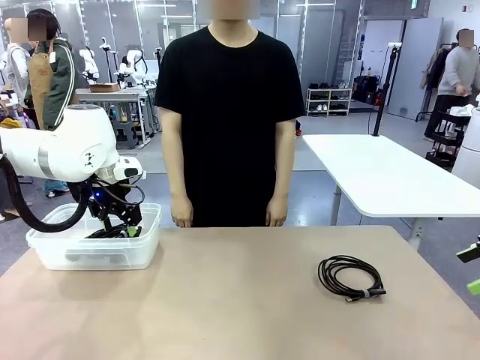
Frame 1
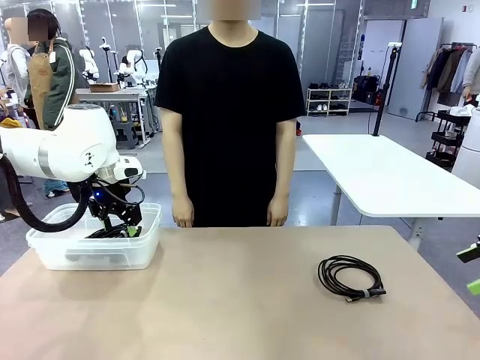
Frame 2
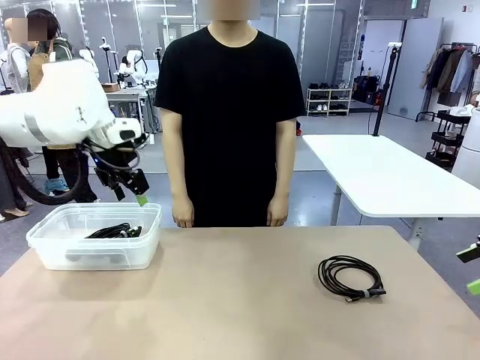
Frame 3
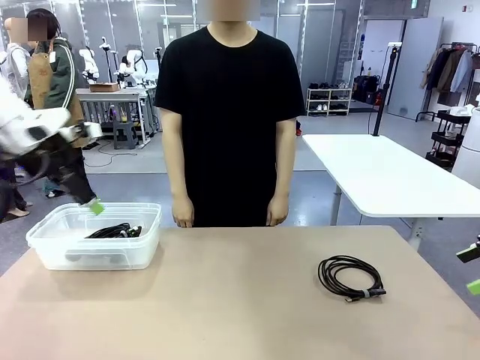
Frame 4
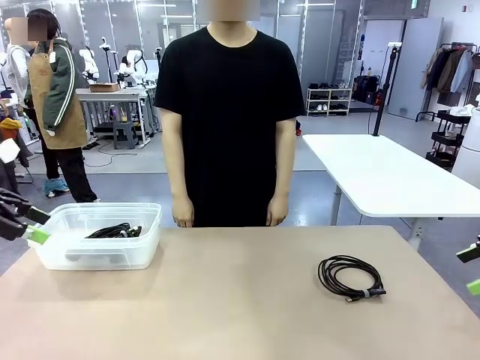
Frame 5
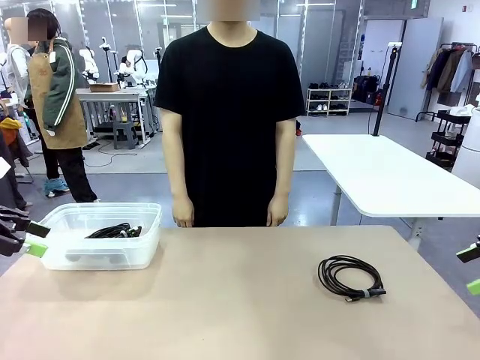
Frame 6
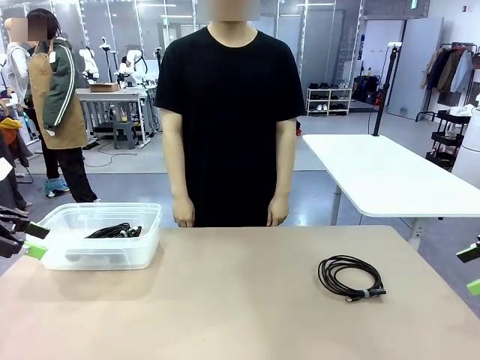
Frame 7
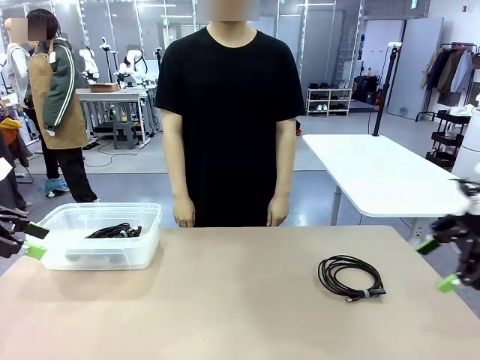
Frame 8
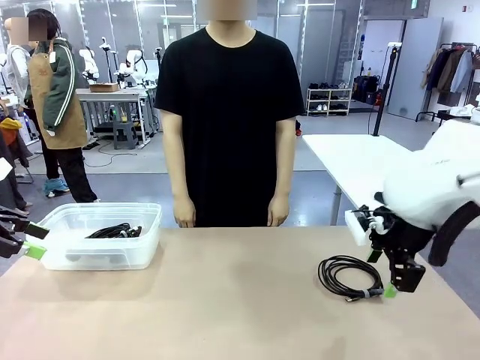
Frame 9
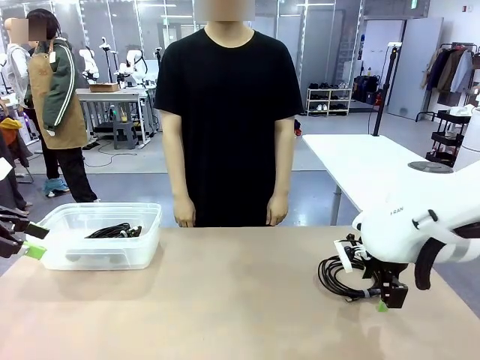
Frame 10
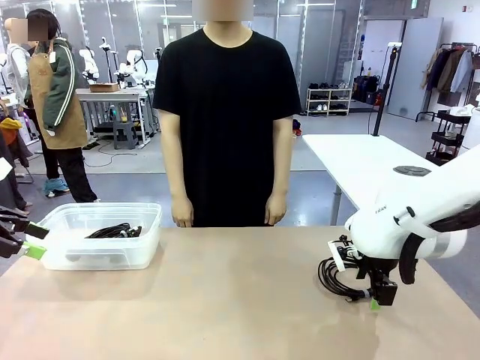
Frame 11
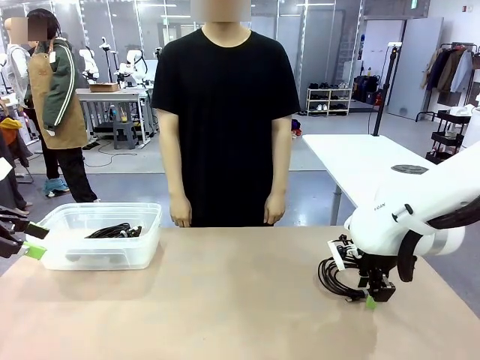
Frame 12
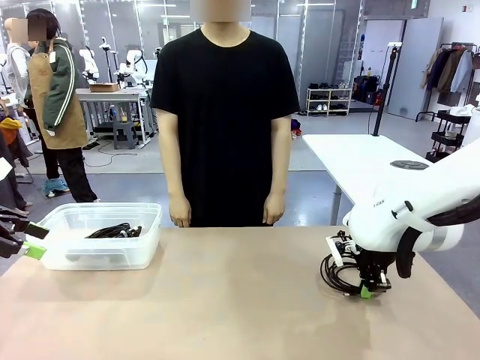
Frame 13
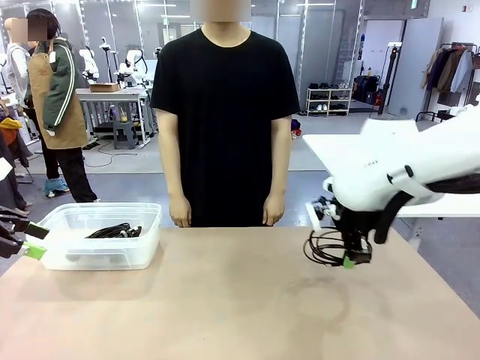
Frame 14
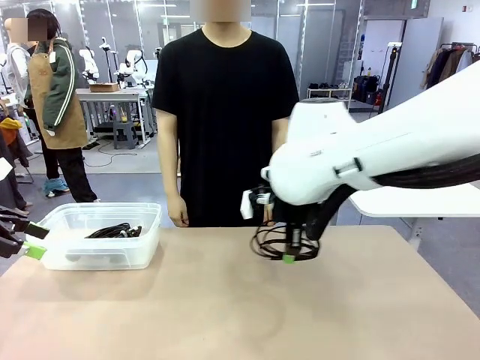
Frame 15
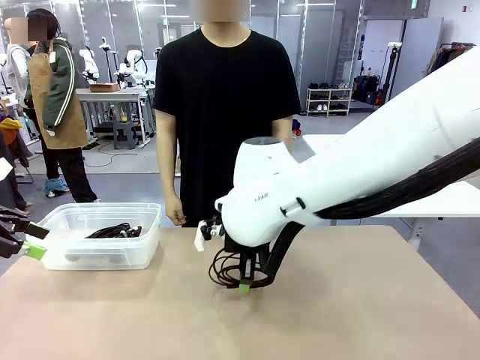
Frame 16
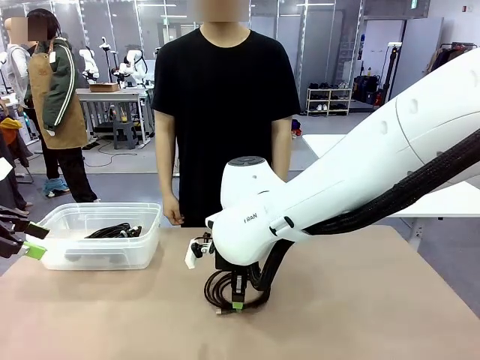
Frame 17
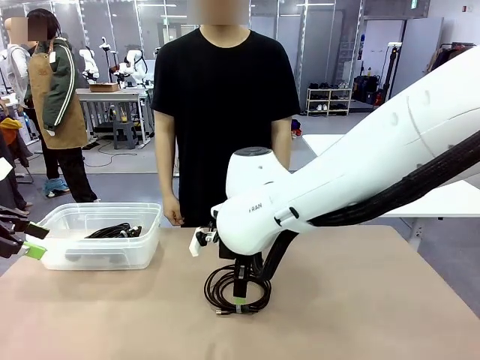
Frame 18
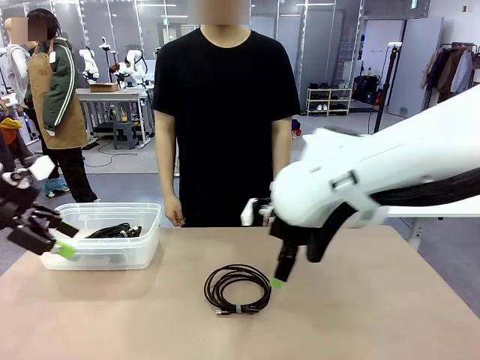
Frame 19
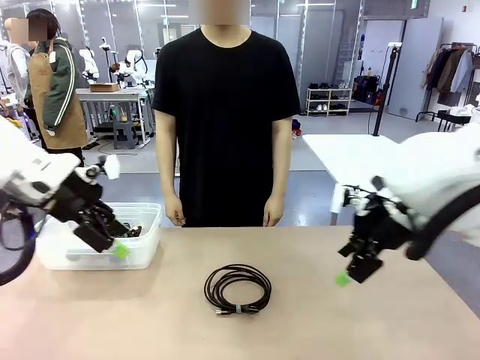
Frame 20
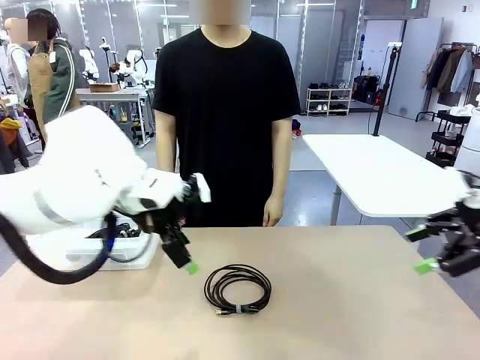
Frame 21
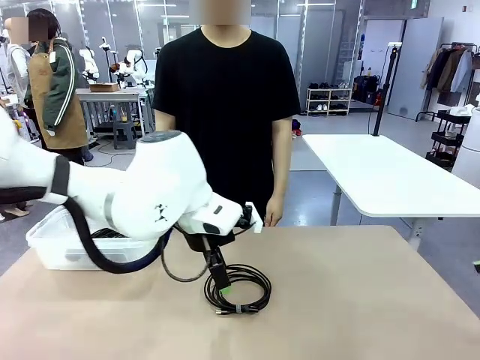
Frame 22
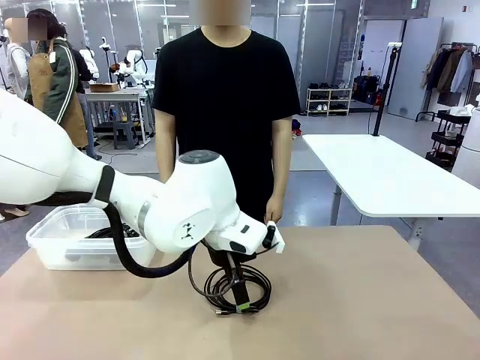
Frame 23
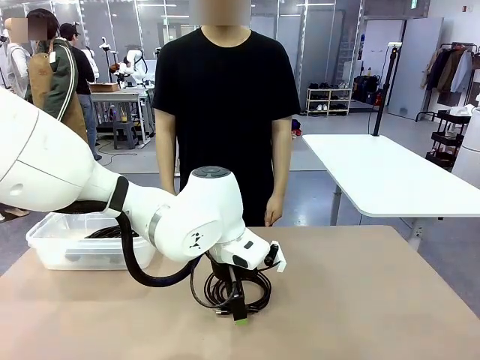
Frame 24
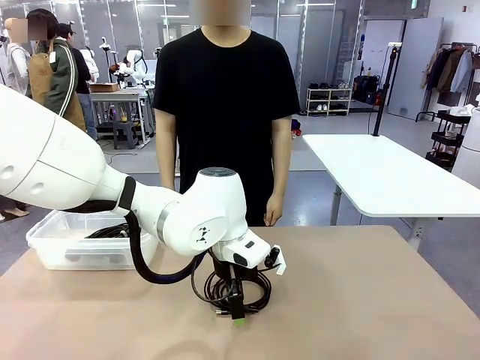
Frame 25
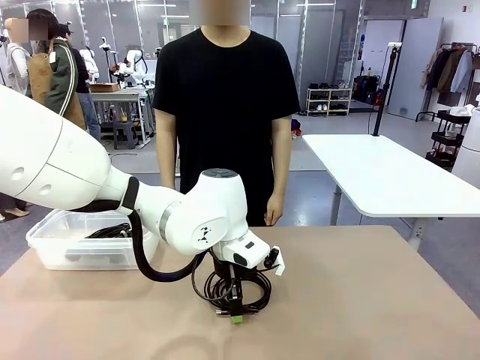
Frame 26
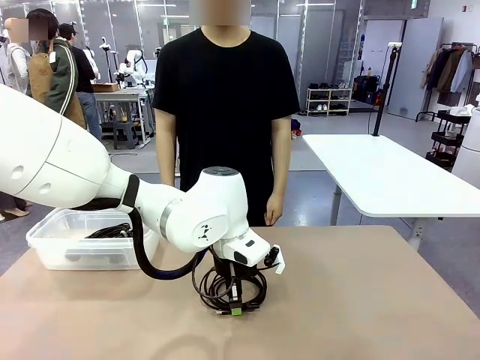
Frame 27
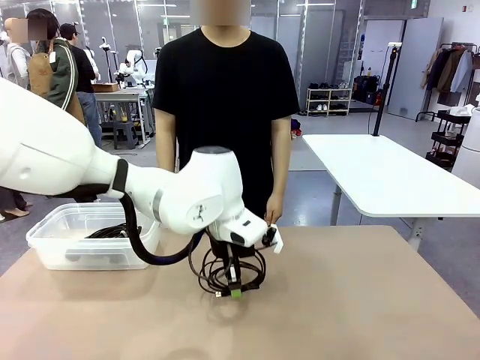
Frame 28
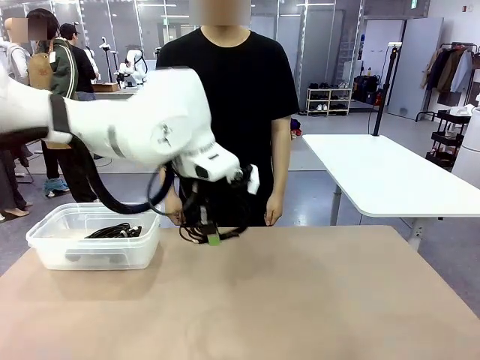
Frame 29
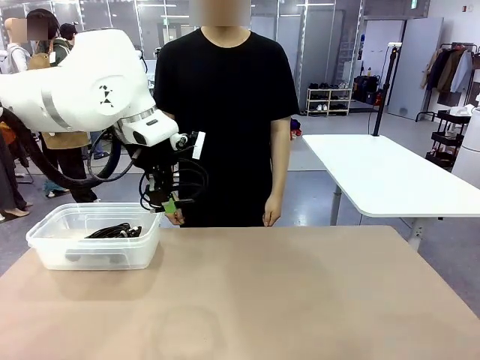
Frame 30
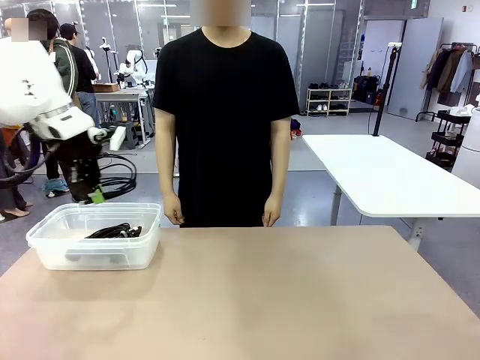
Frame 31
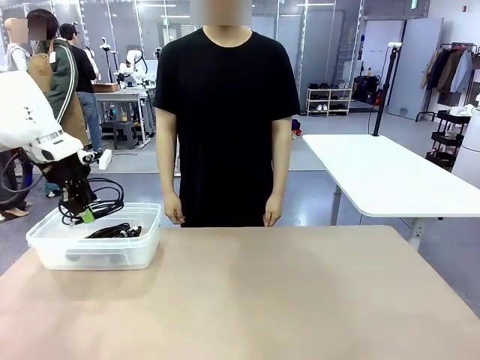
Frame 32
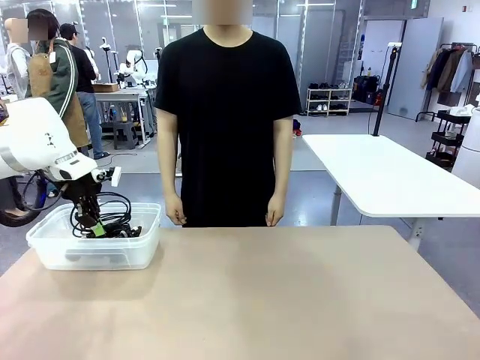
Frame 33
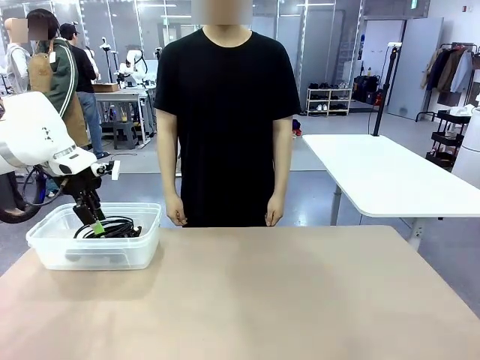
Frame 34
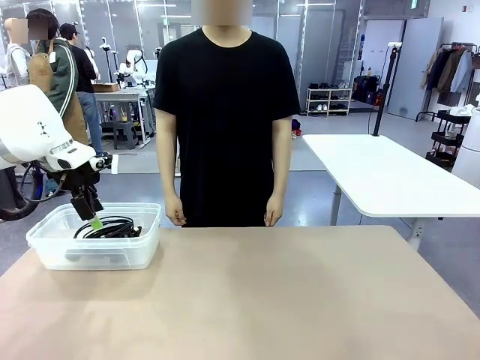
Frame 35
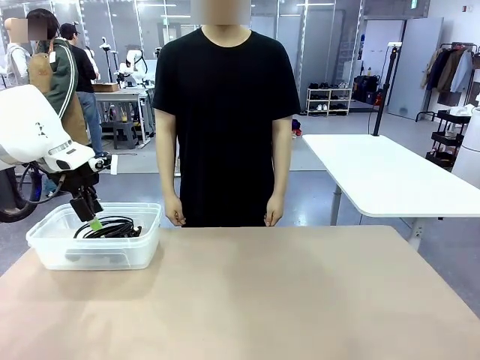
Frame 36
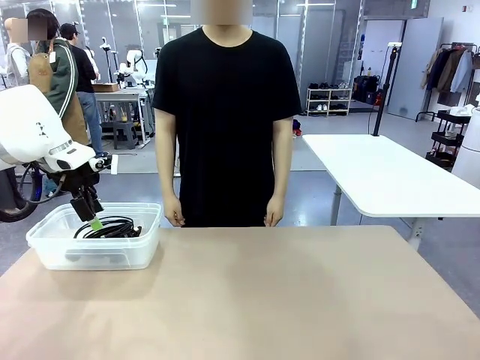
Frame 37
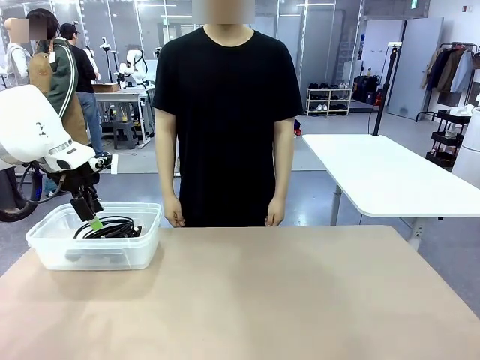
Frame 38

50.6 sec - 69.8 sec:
Task: Organize and store the cables.
Robot: Place the USB Extension Cable into the Organizing box.

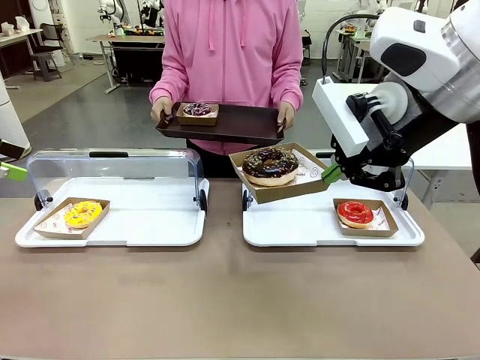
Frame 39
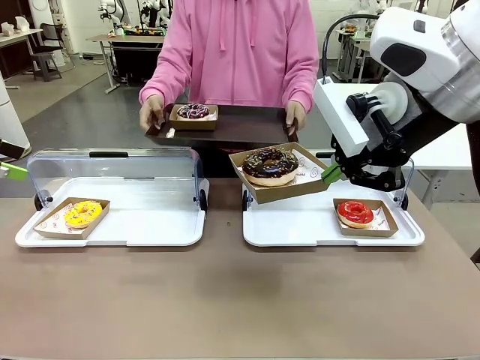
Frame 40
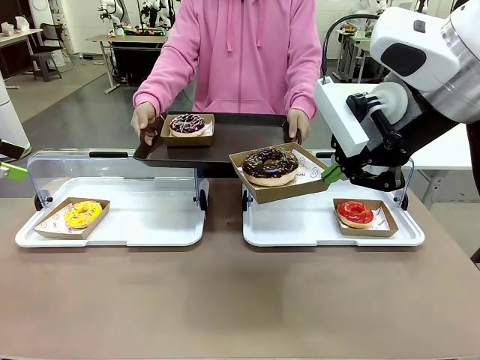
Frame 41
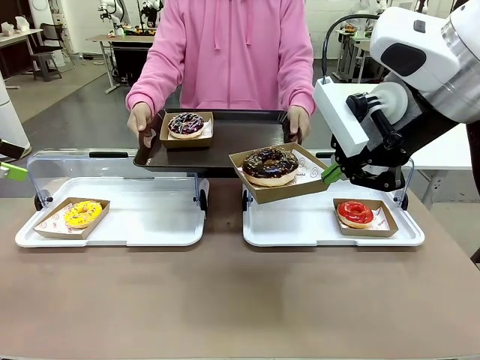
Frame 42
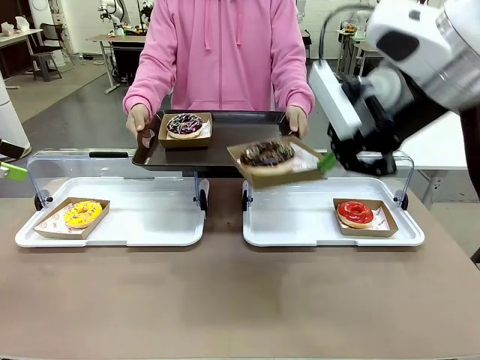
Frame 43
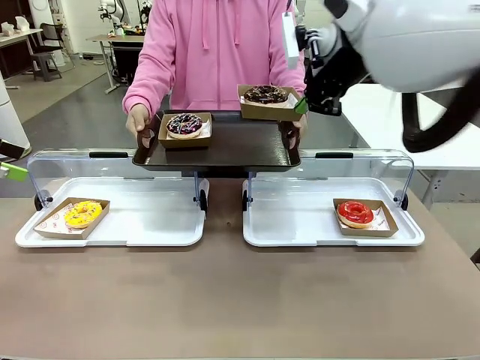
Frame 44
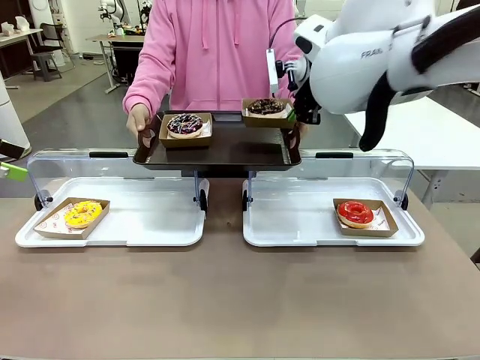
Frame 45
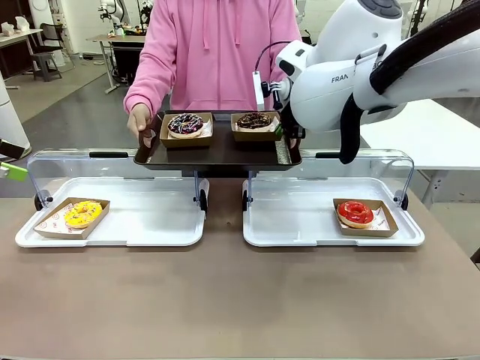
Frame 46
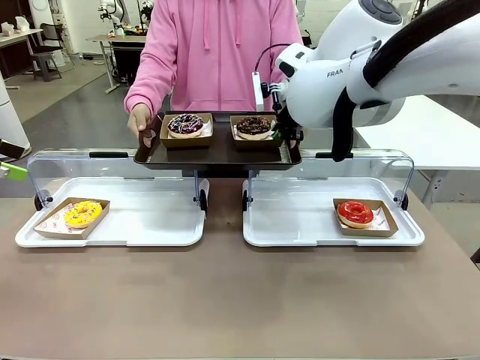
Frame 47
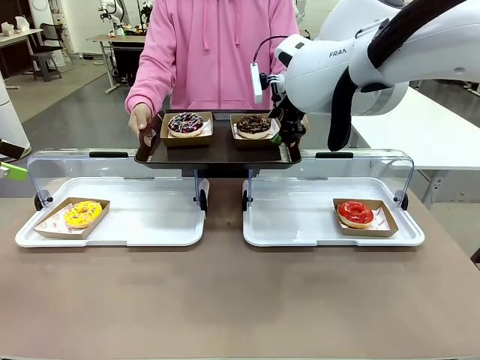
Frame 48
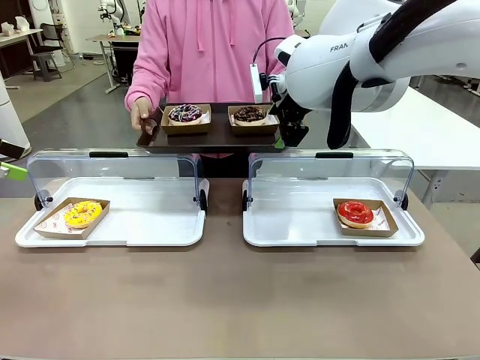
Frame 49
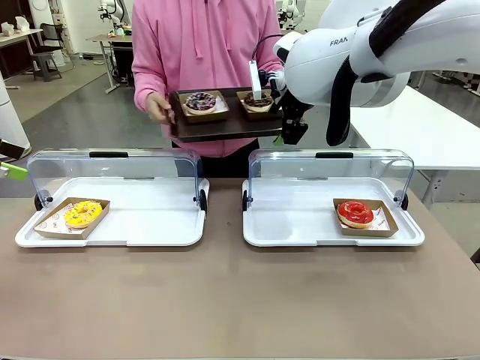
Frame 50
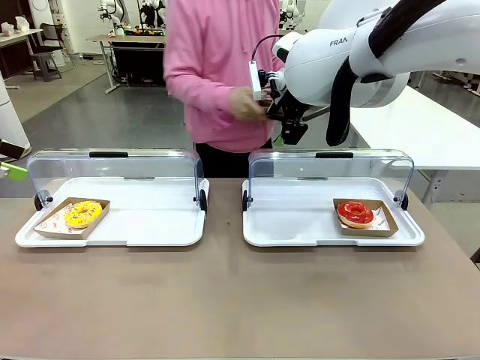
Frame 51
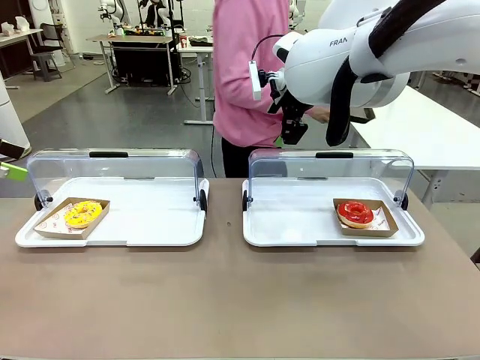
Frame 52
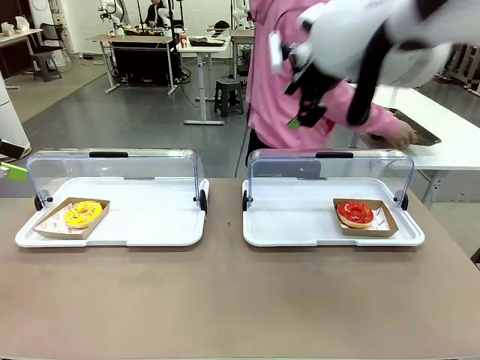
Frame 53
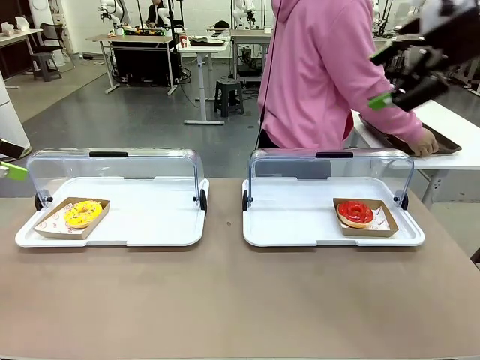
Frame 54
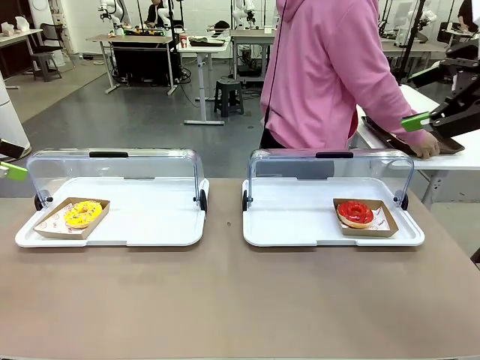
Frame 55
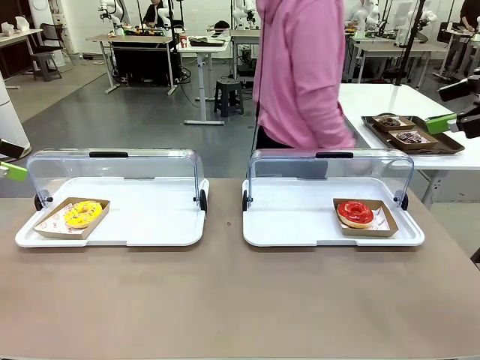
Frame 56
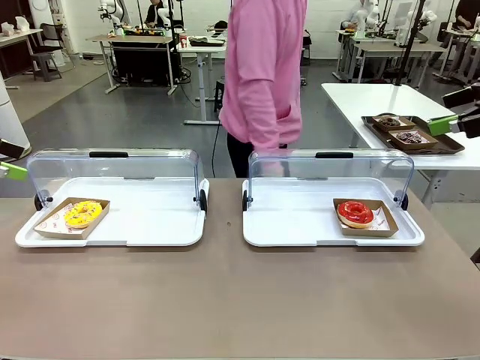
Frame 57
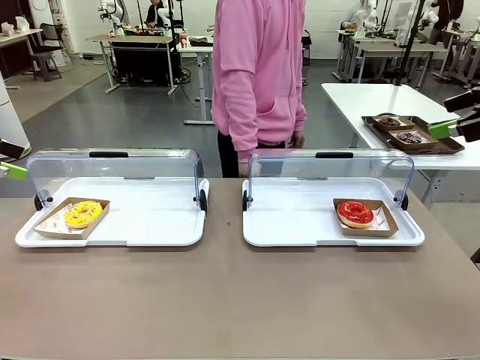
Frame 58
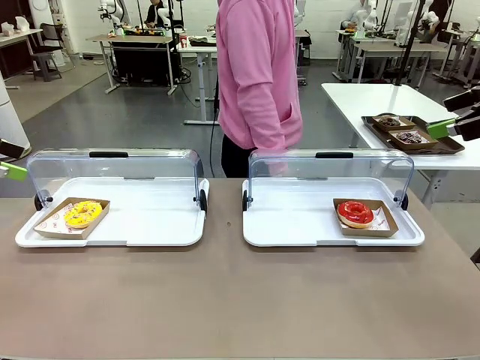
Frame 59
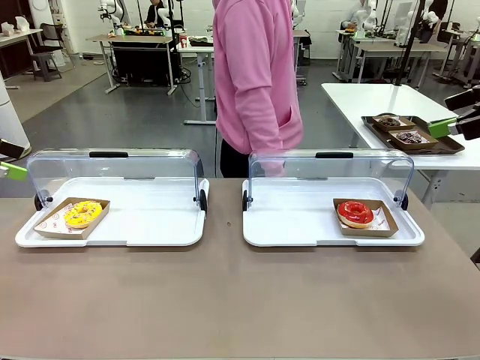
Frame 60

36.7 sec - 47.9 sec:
Task: Provide the desired donut to the person.
Robot: Place the picked Paper togo box onto the Handle tray extended by the person.
Person: Place the tray in the middle of the human table.
